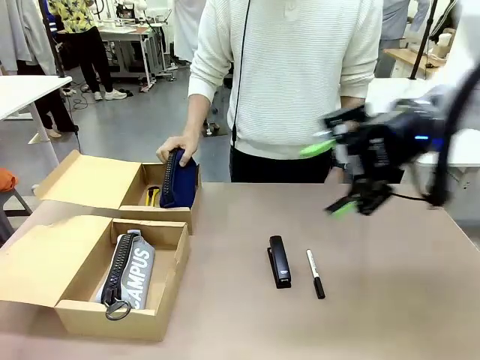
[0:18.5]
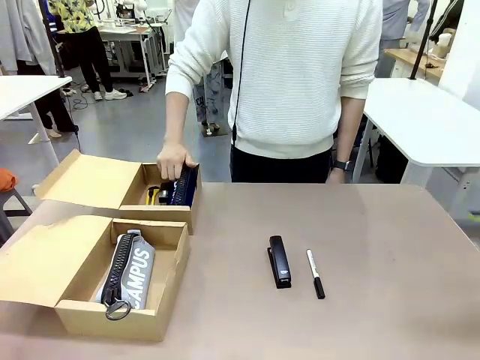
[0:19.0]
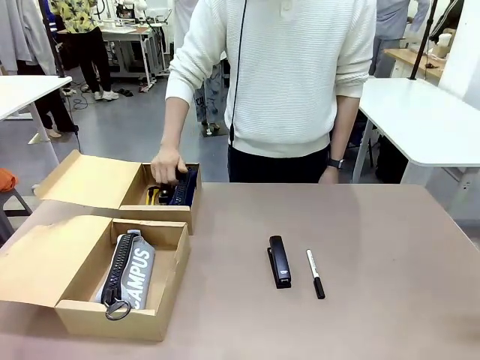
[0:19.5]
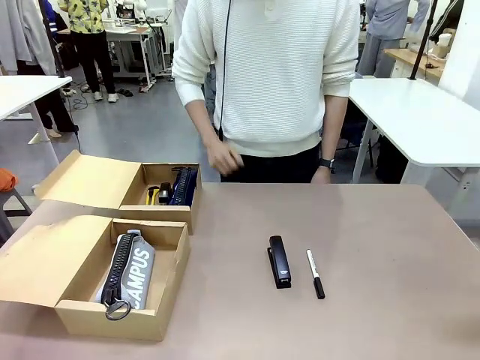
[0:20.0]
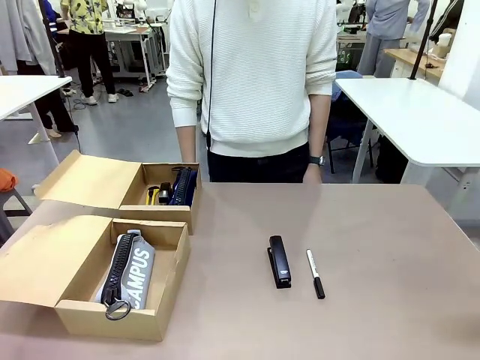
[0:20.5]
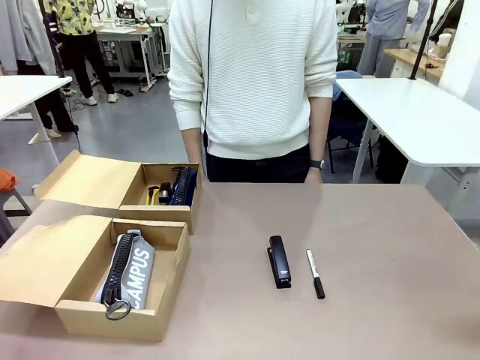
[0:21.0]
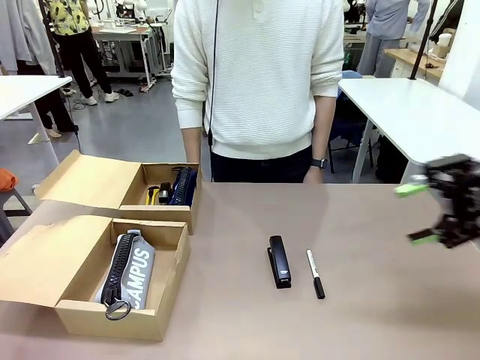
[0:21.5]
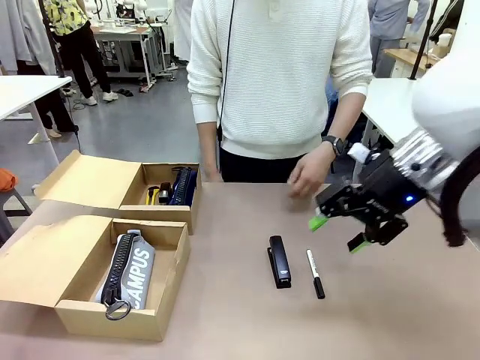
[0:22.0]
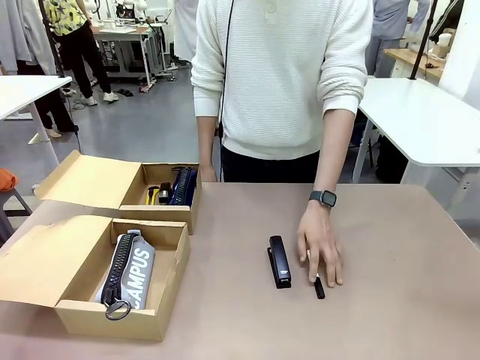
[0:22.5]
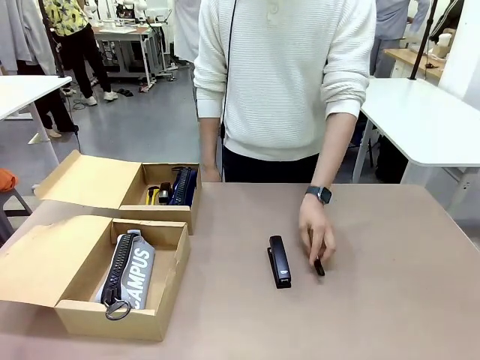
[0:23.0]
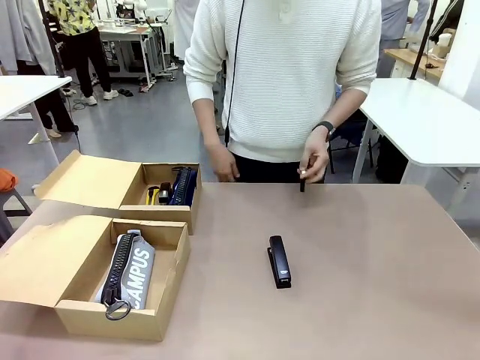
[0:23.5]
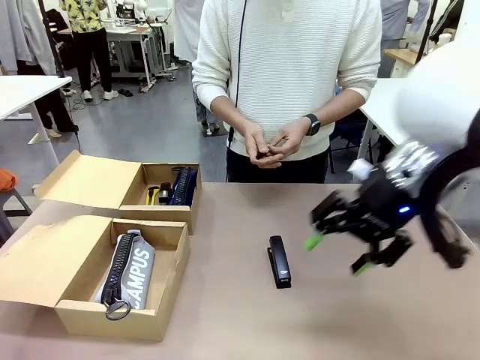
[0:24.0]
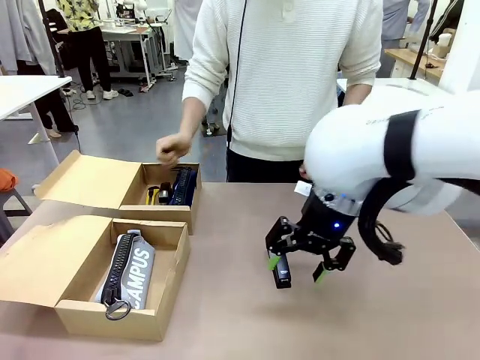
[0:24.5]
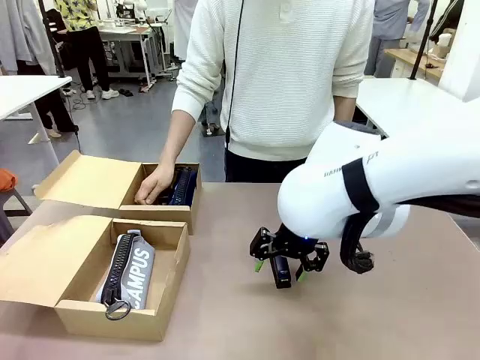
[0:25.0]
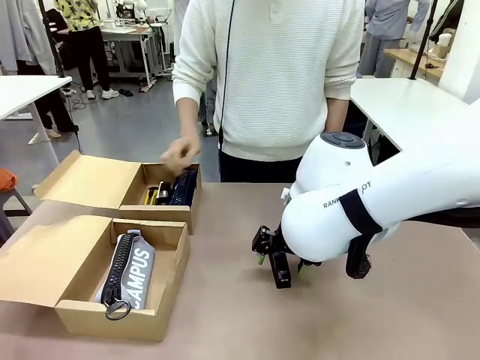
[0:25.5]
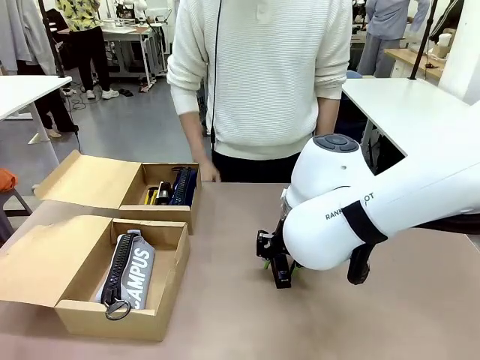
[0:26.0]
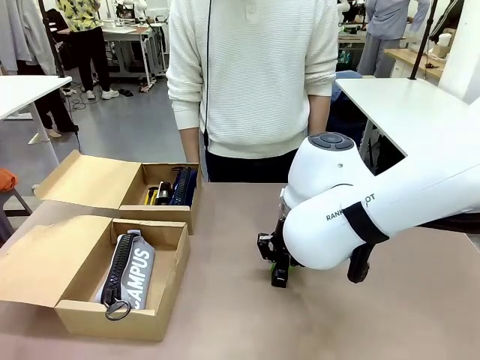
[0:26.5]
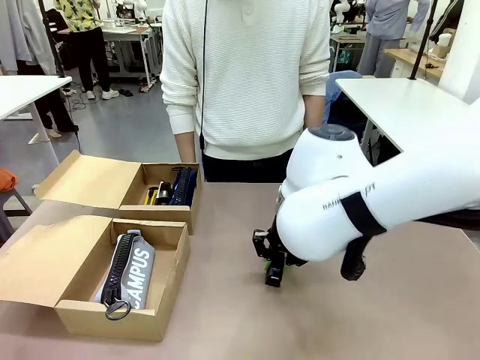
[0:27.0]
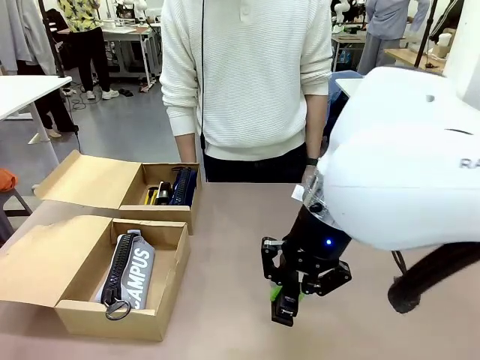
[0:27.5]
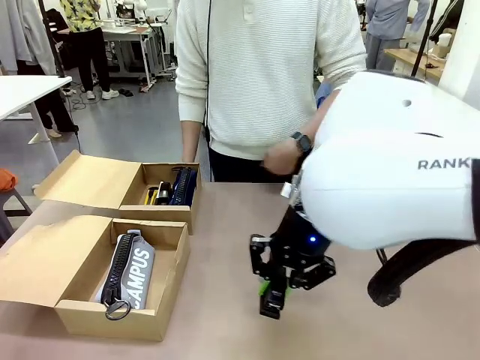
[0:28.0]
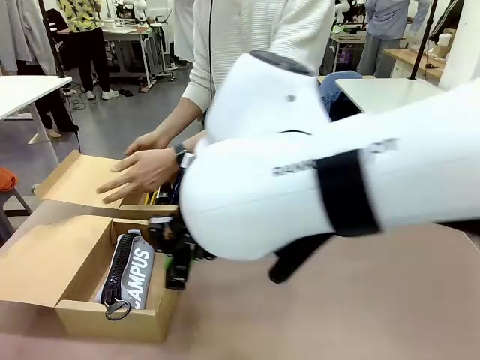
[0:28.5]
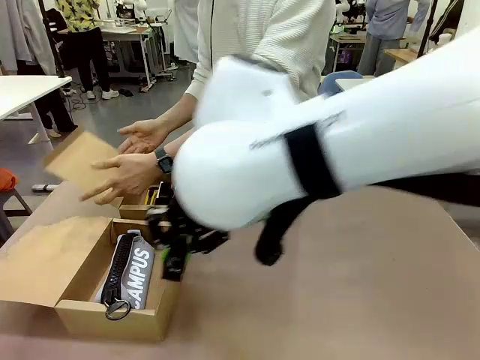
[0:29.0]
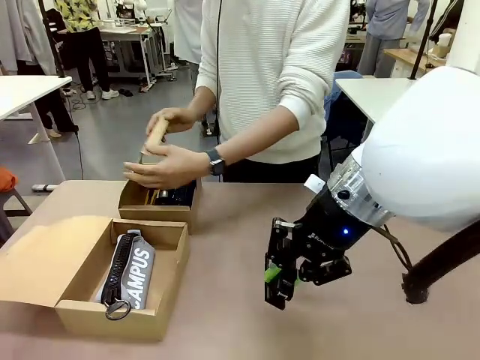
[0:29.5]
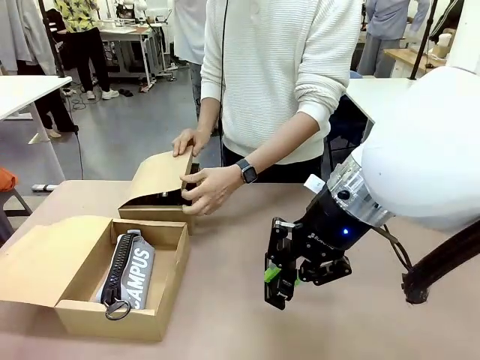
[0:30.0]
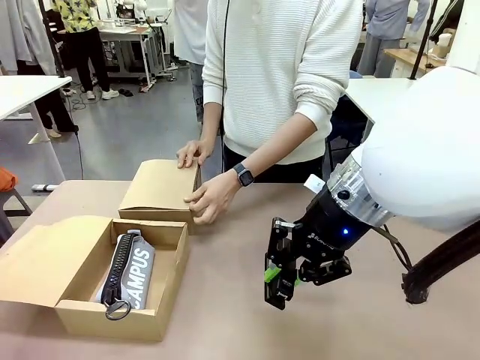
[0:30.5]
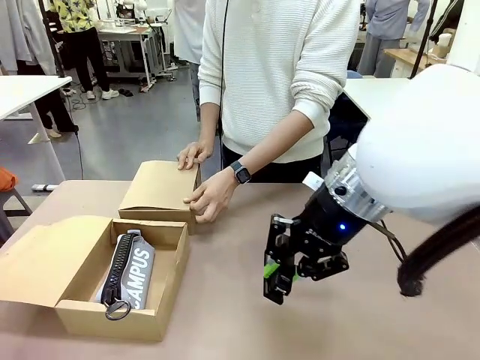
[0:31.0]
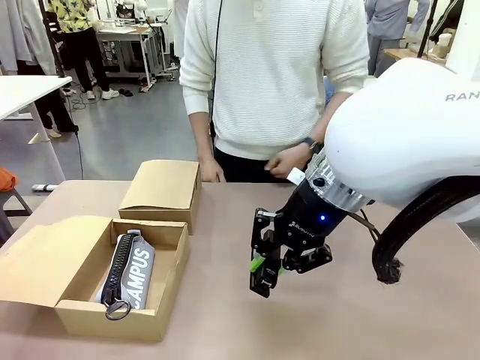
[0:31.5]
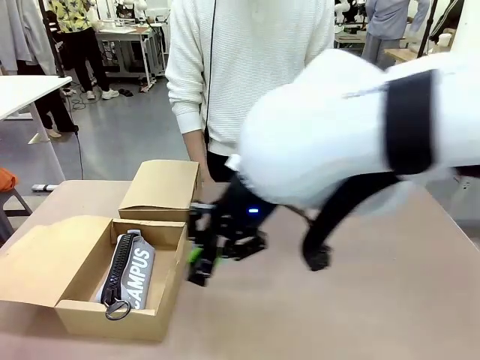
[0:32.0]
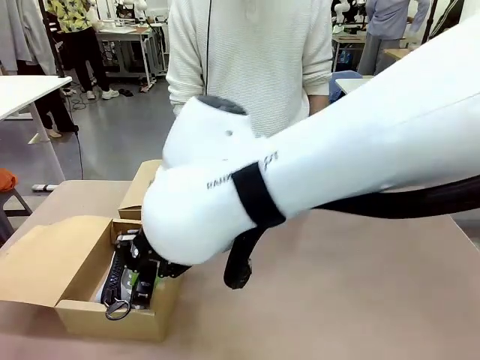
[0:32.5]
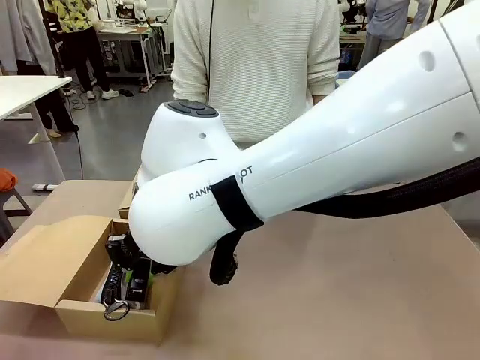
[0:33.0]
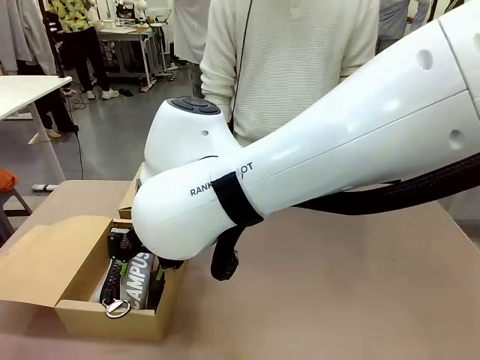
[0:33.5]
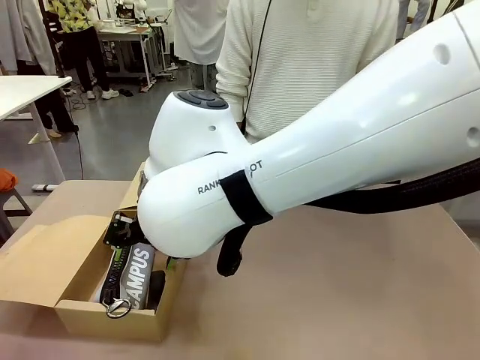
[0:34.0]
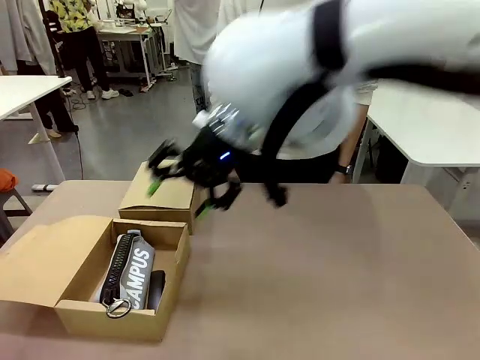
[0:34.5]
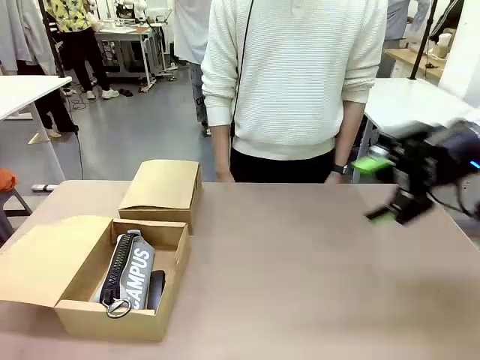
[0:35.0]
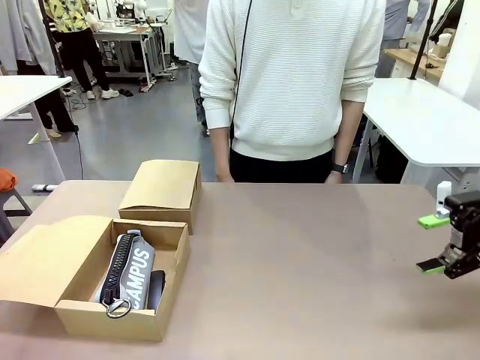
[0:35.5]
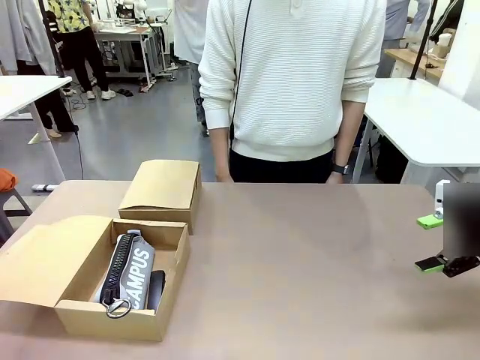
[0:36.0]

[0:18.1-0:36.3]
Task: Place items inside the box.
Robot: Pick up a Pencil pouch or Stapler and place it inside the Mailer Box closest to the robot.

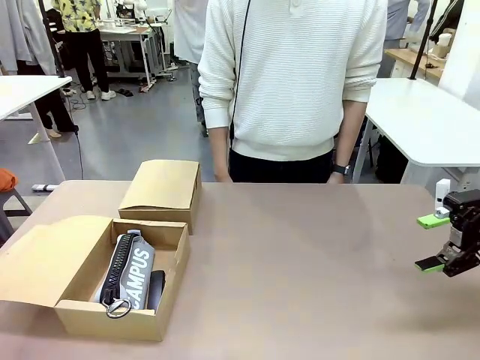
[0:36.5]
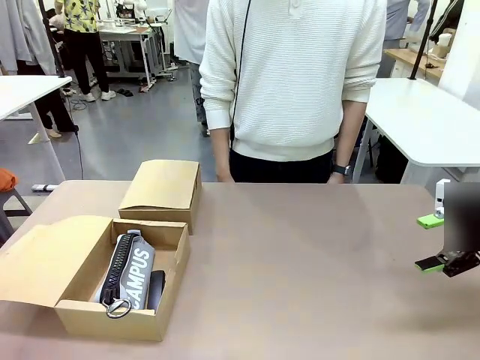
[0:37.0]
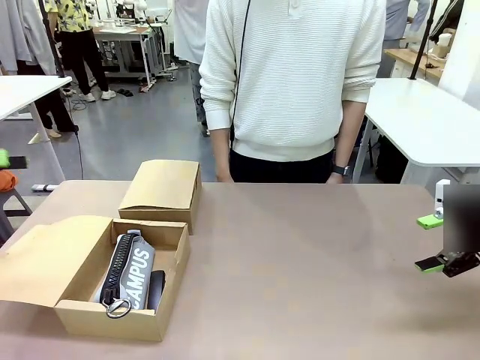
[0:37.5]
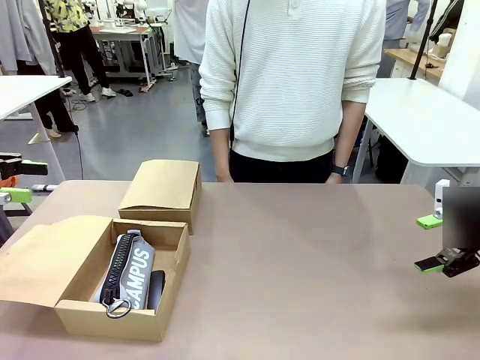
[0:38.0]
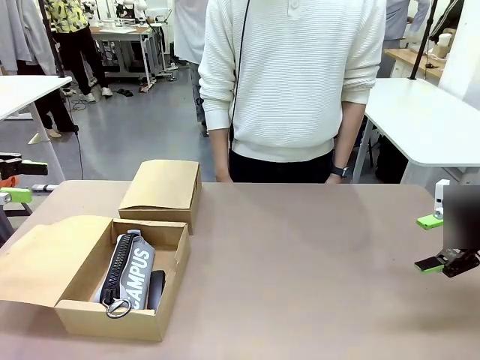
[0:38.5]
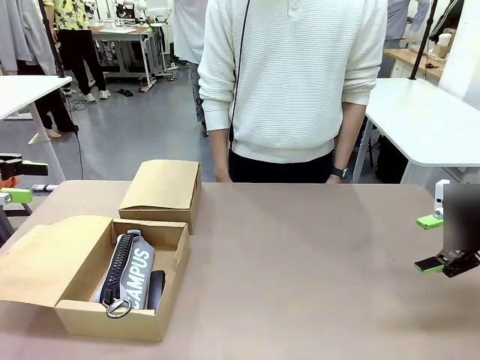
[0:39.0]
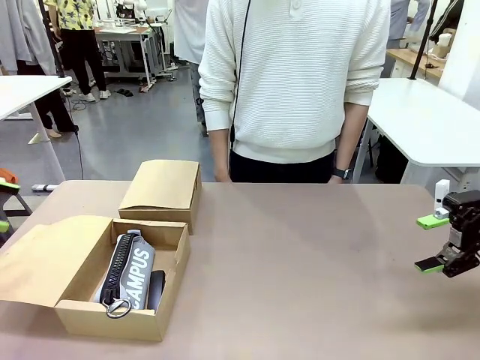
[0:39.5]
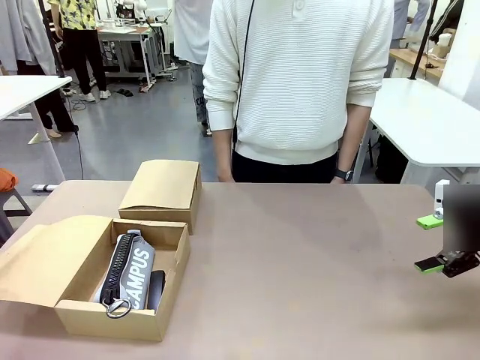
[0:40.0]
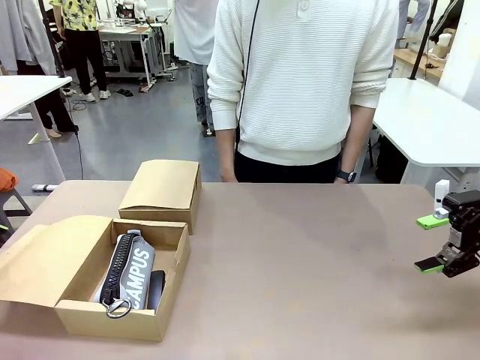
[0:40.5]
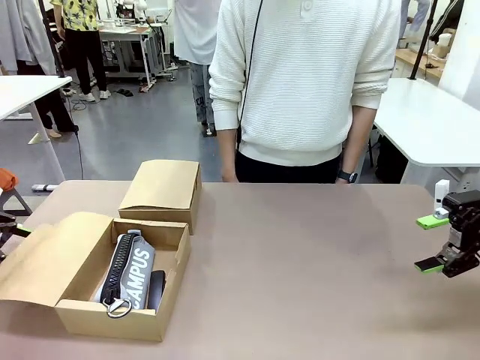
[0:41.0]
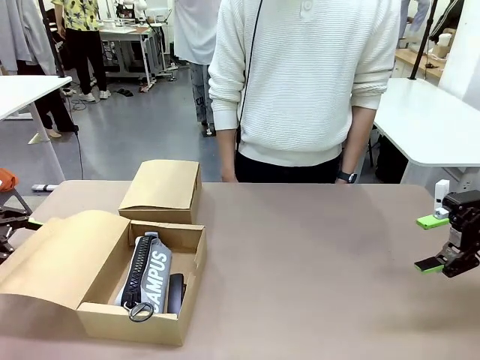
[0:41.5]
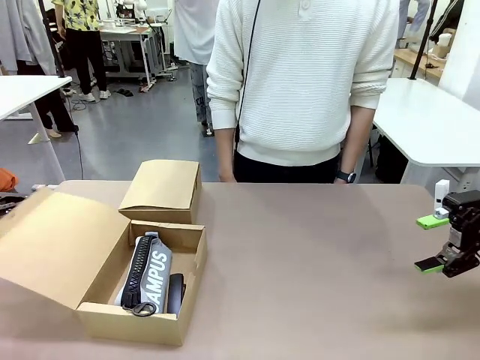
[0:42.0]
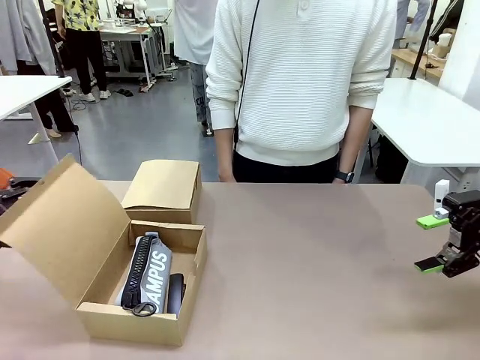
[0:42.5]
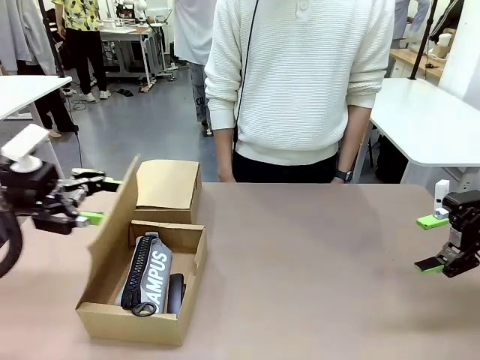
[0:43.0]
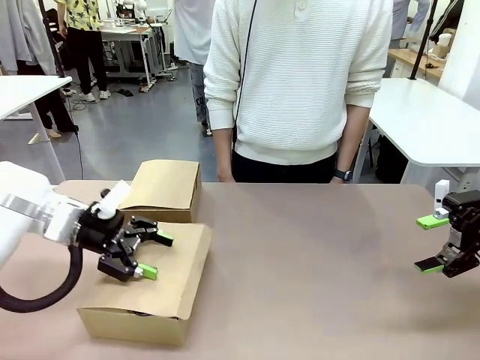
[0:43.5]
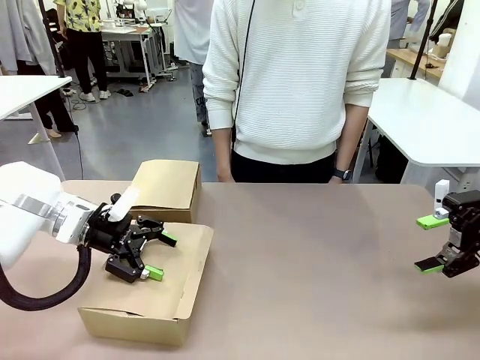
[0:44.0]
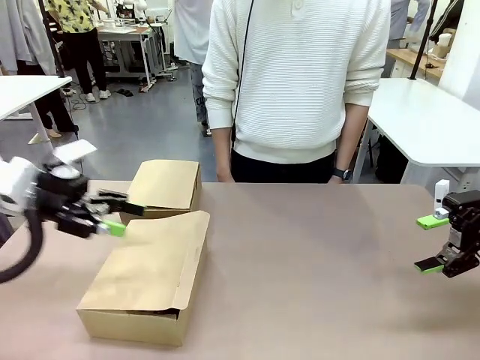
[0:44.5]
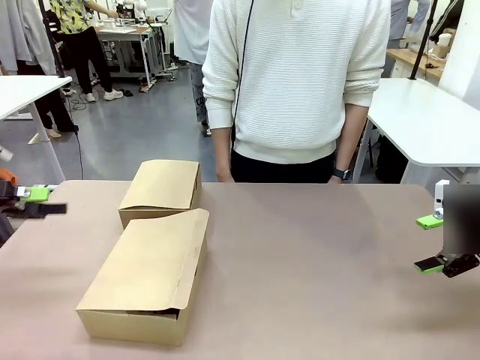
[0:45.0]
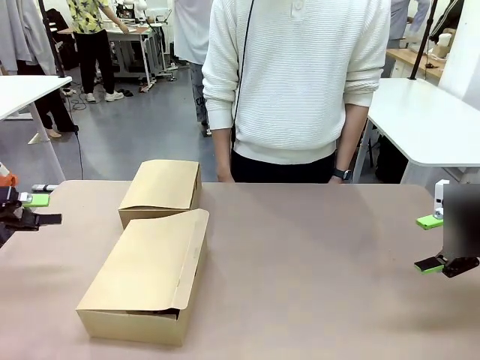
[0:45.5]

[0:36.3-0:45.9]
Robot: Close the lid of the Mailer Box closest to the robot.
Person: Close the lid of the box facing the person.
